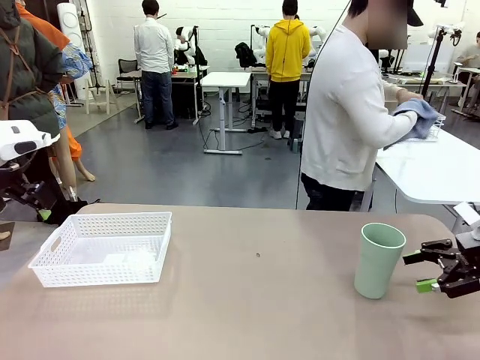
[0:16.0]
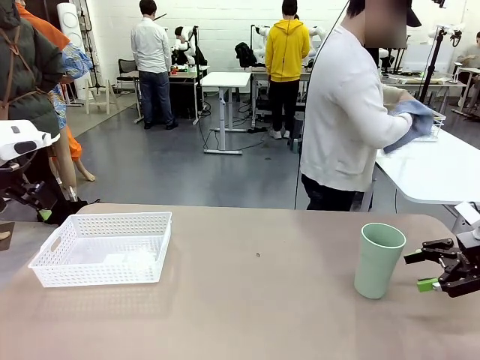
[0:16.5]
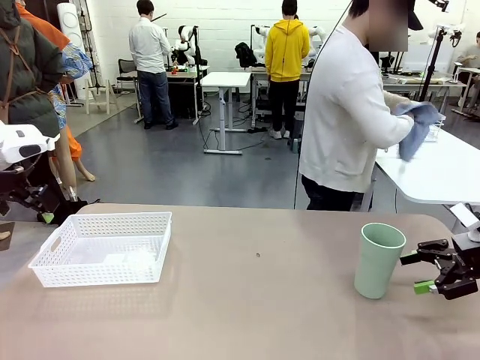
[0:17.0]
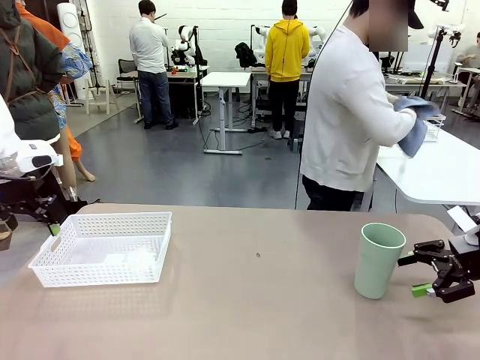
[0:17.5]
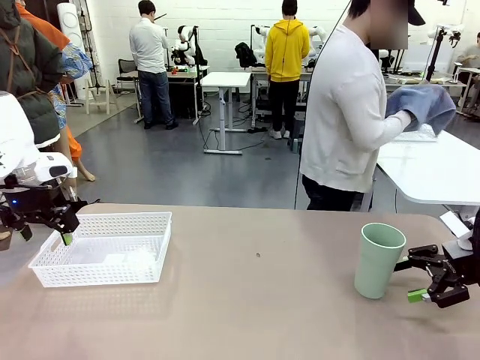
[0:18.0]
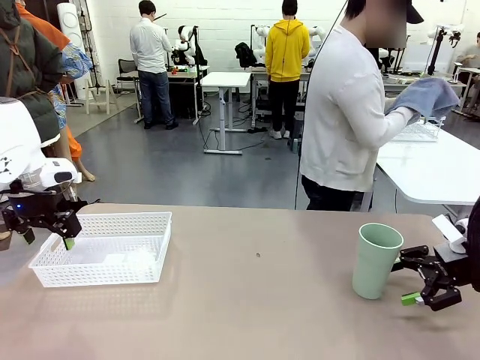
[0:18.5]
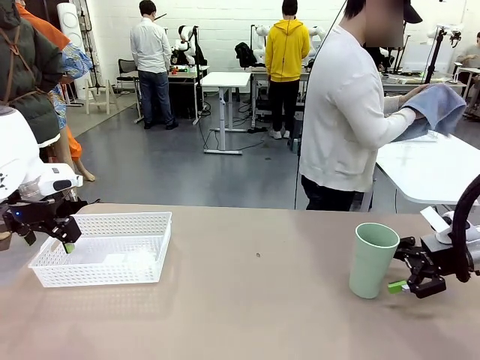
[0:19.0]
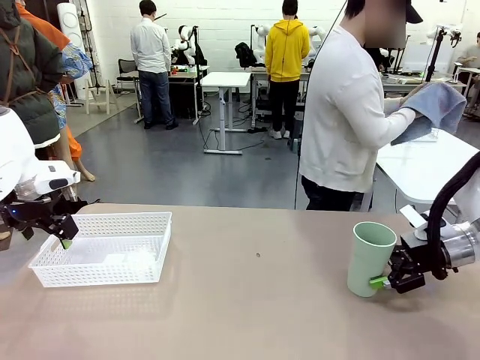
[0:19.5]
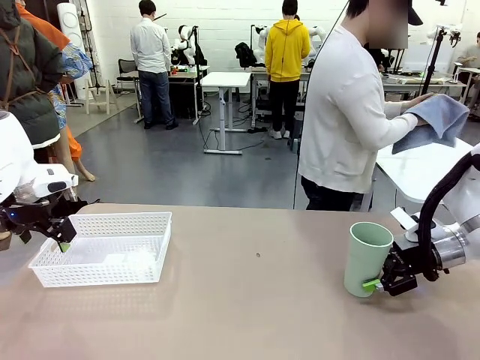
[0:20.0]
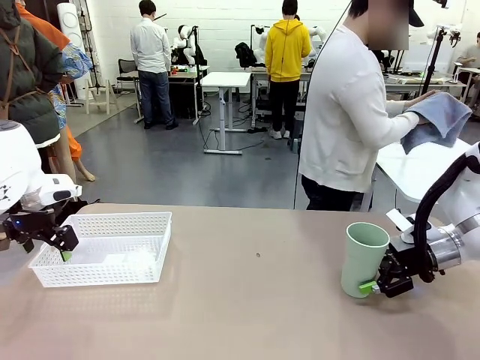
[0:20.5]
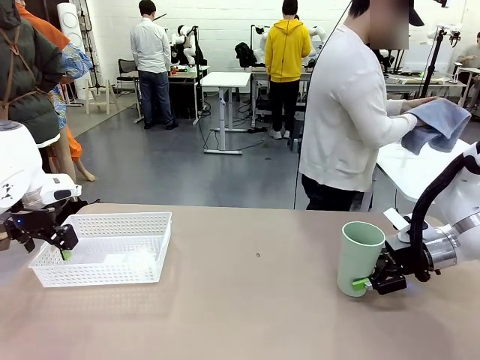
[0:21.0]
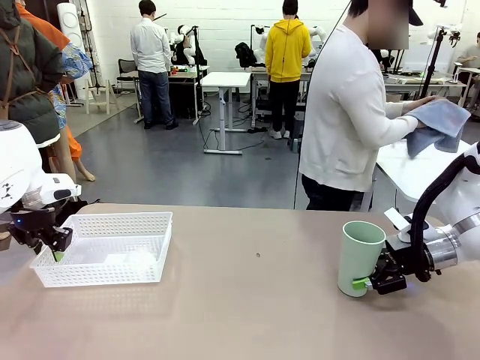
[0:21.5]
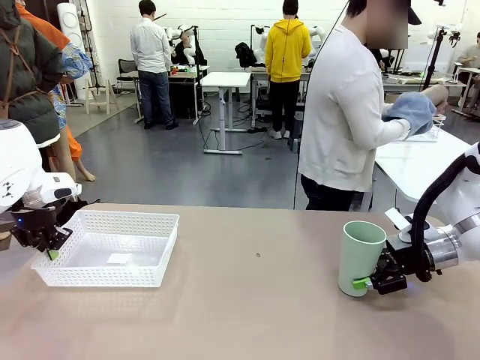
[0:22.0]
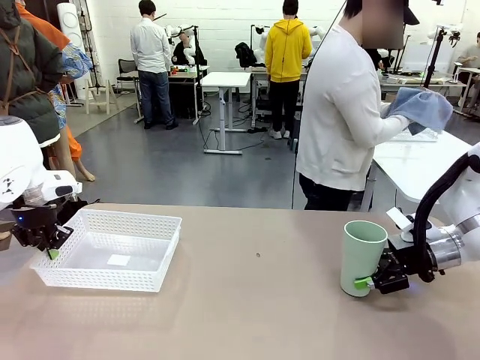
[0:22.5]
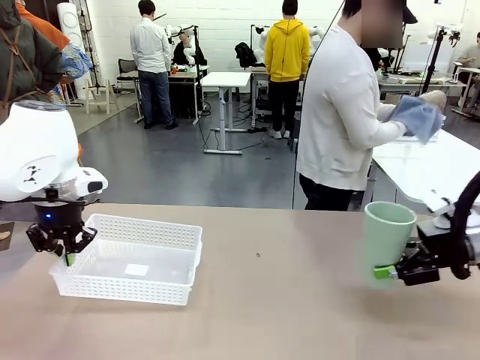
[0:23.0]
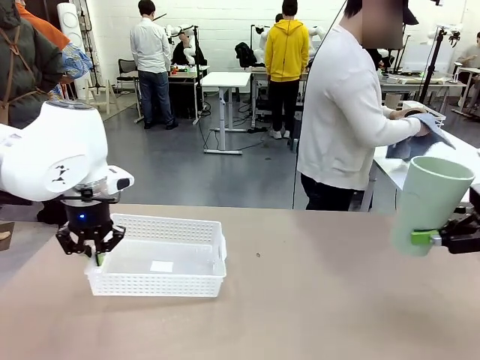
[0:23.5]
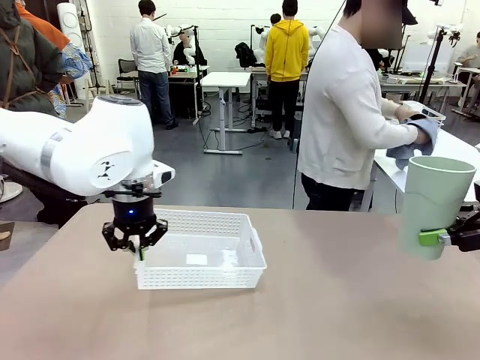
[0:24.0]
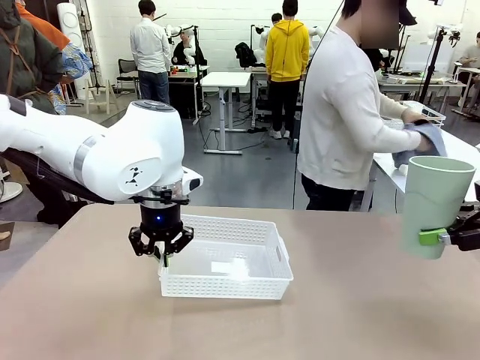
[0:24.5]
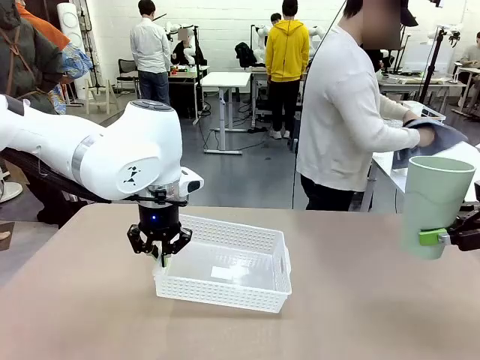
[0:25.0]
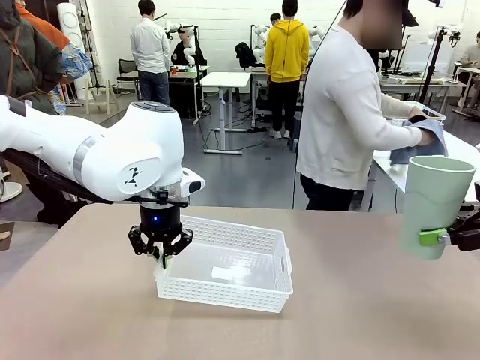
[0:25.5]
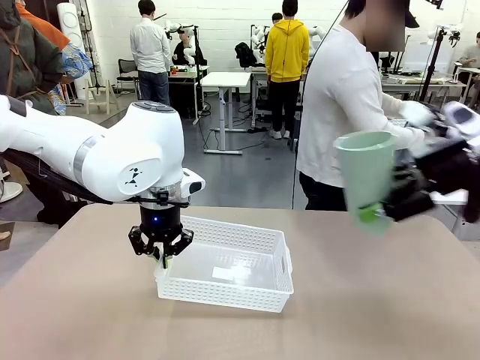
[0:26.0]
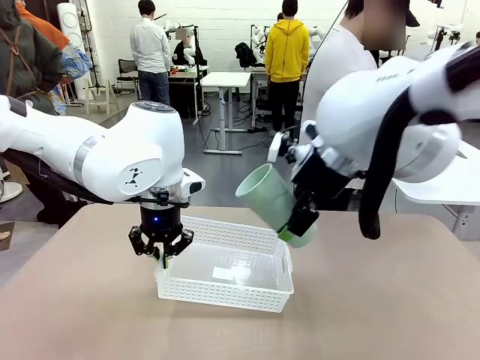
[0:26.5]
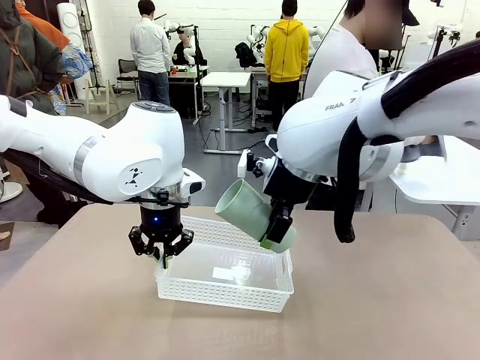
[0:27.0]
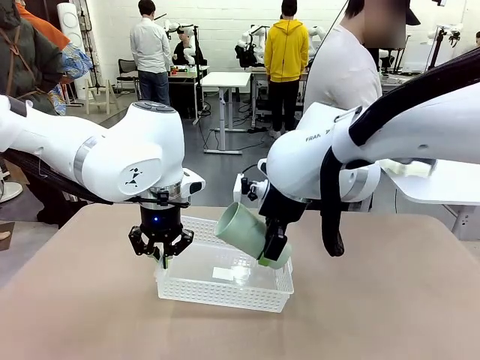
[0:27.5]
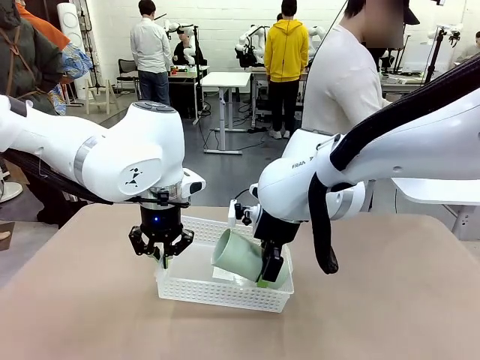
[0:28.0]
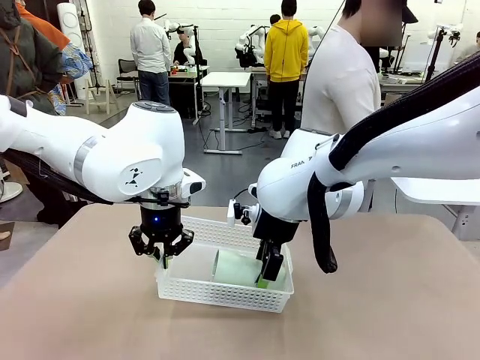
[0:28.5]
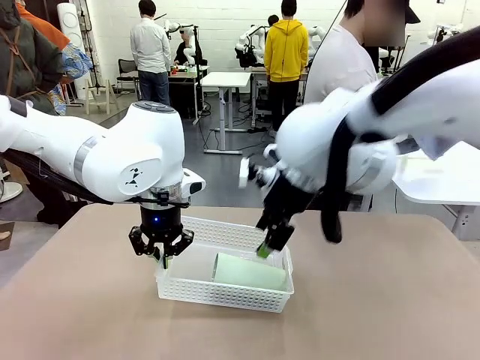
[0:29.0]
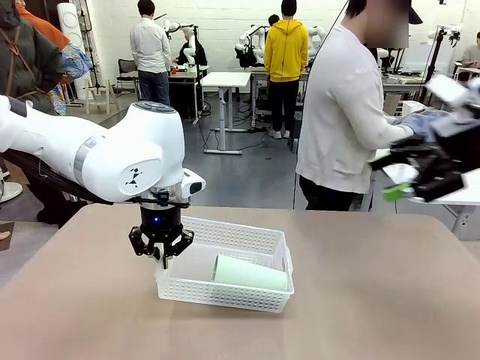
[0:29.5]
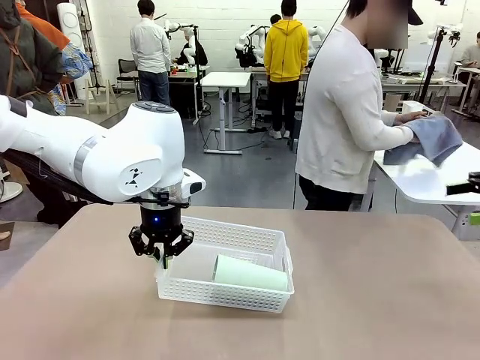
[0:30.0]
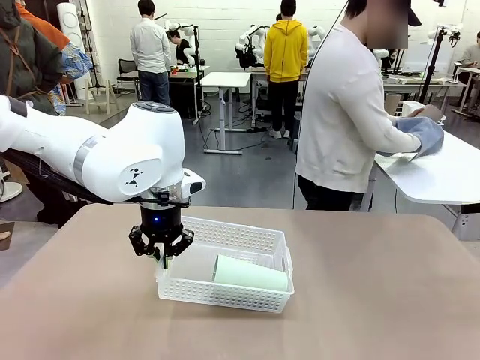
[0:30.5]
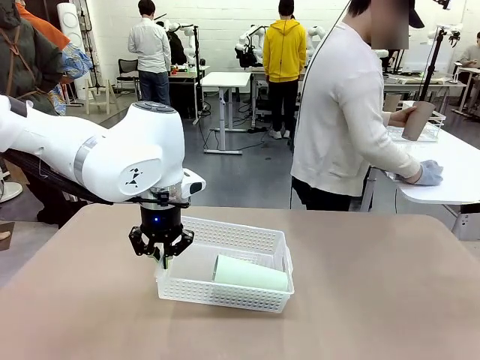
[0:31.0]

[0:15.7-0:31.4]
Task: Clean and organize the cups into the basket.
Robot: Pick up the Organizing basket and move it to the center of the table, then pick up the Reusable plastic cup from the right side of the table and place it inside the Organizing basket.

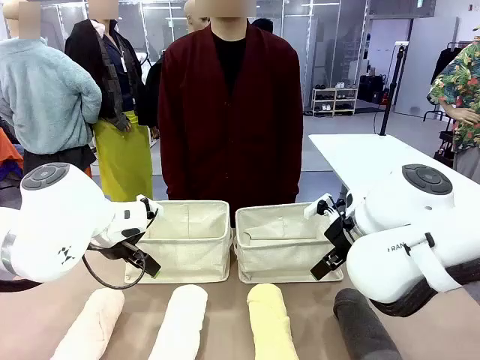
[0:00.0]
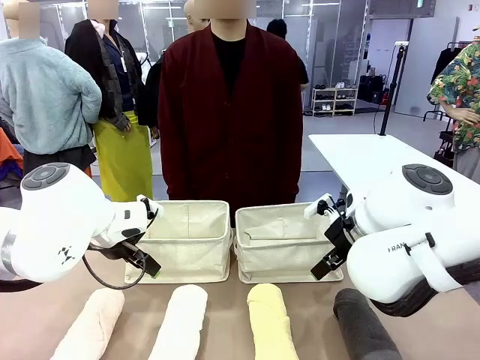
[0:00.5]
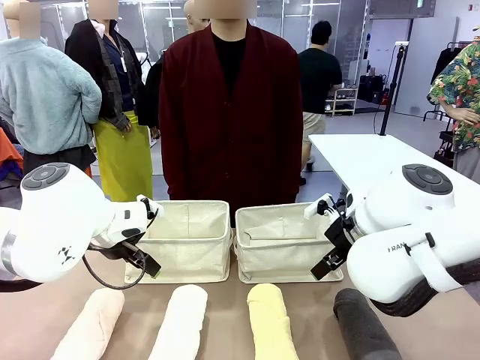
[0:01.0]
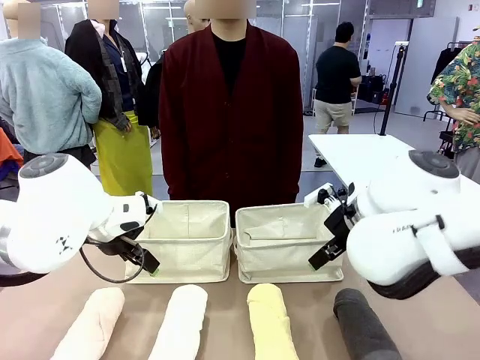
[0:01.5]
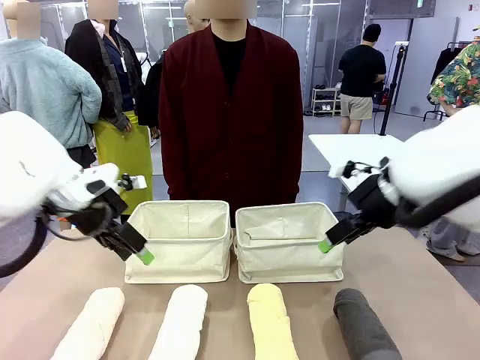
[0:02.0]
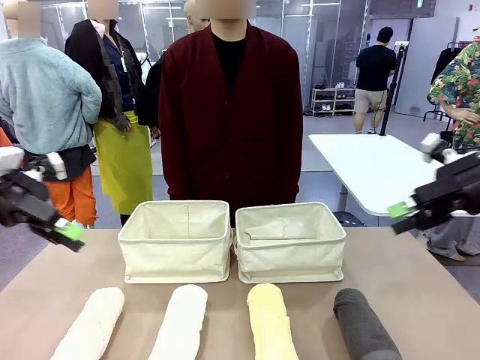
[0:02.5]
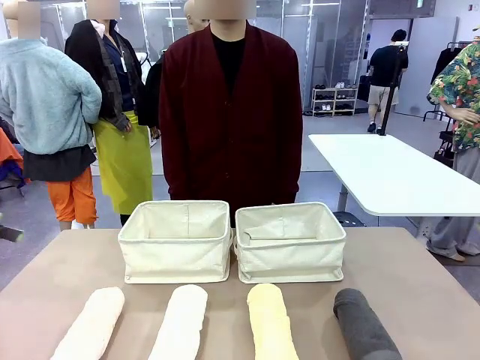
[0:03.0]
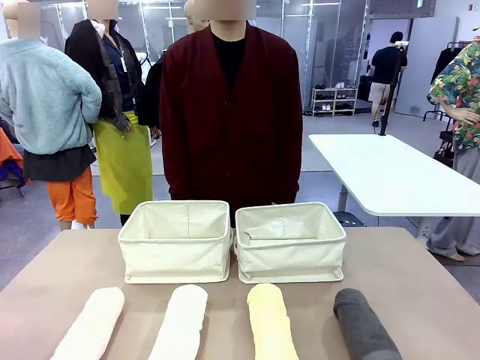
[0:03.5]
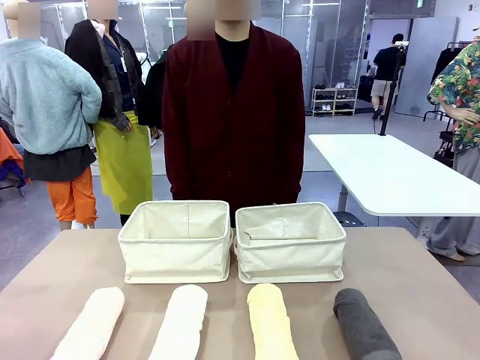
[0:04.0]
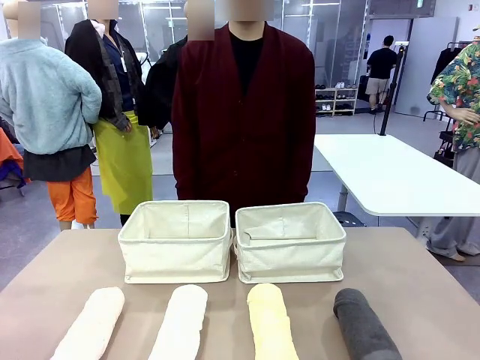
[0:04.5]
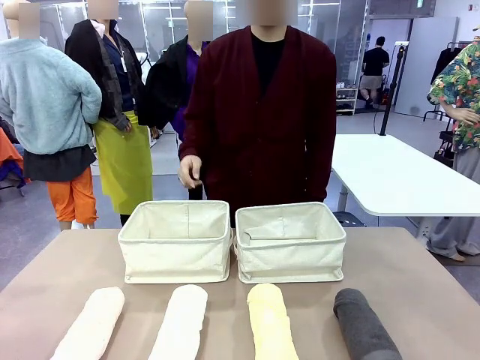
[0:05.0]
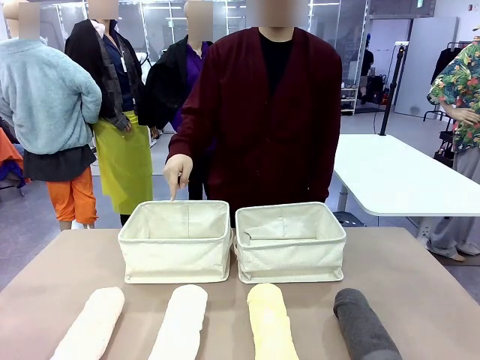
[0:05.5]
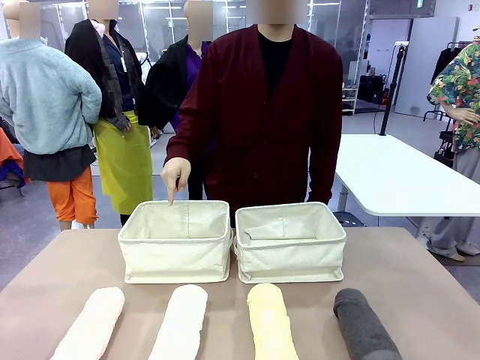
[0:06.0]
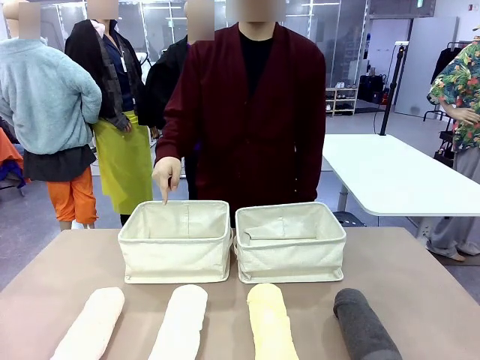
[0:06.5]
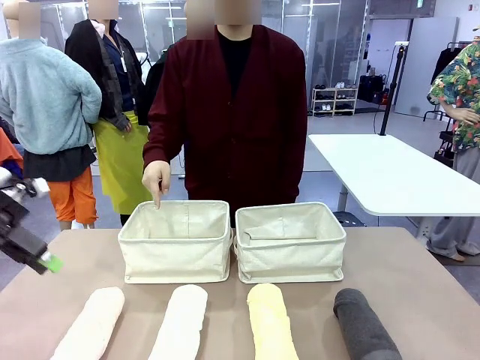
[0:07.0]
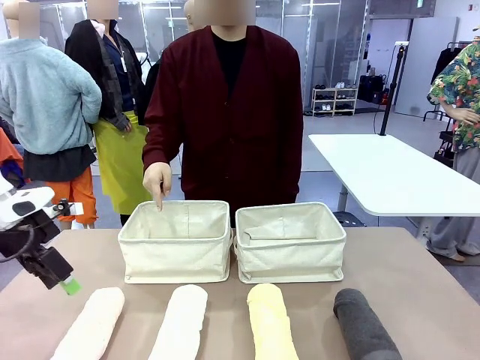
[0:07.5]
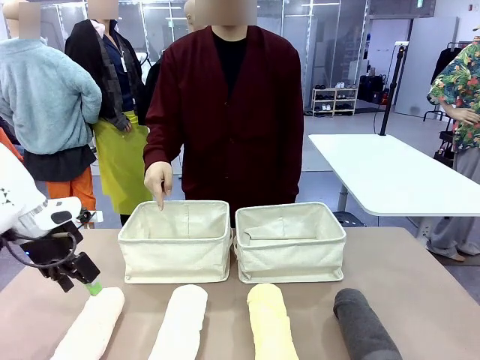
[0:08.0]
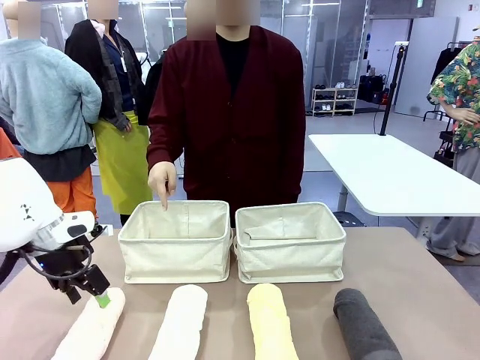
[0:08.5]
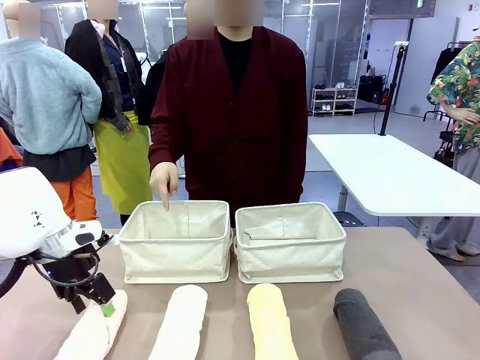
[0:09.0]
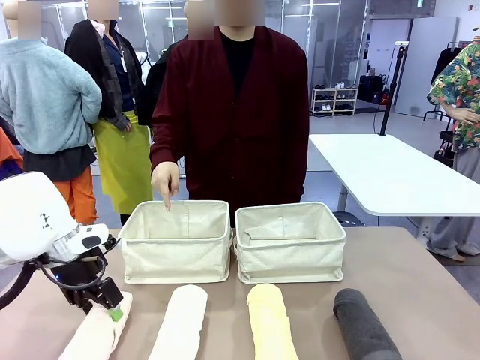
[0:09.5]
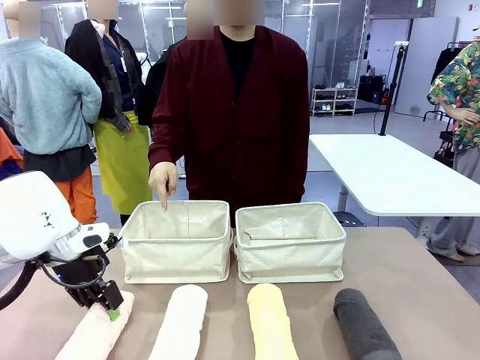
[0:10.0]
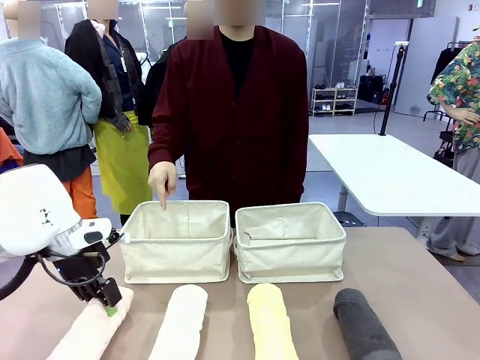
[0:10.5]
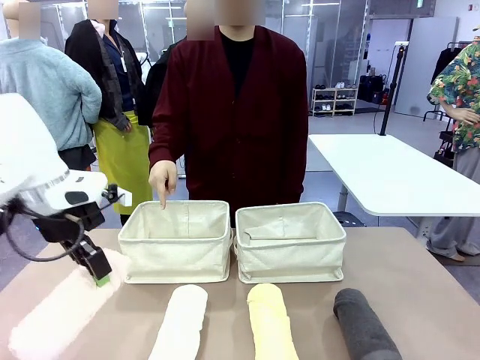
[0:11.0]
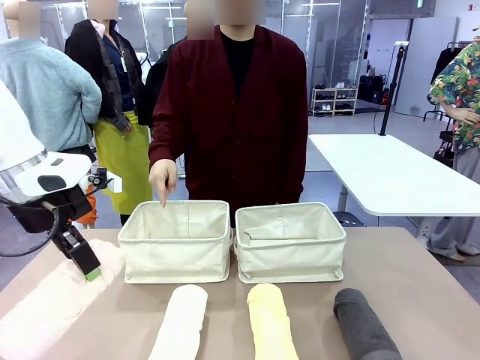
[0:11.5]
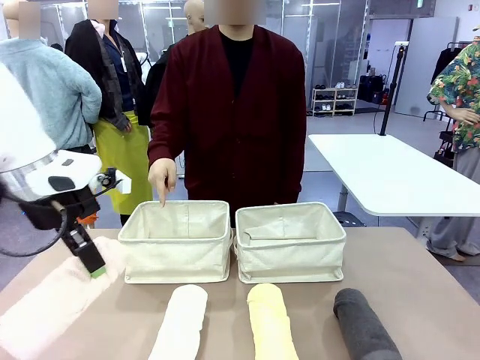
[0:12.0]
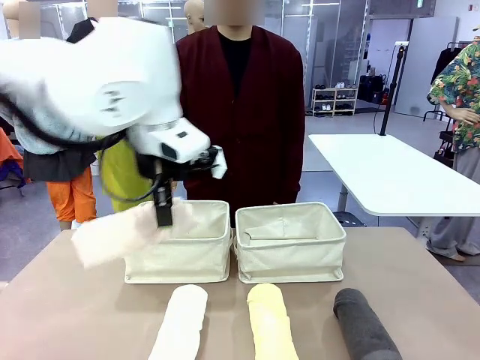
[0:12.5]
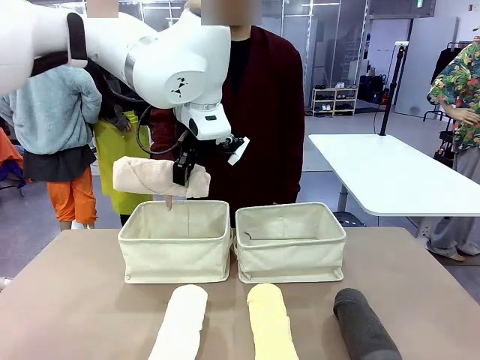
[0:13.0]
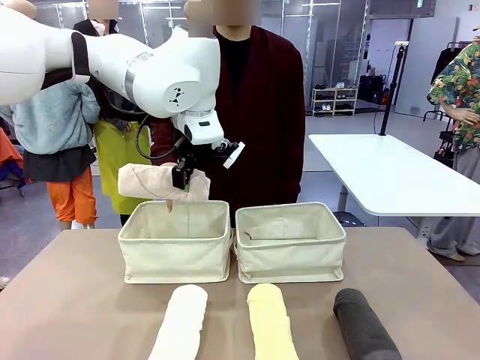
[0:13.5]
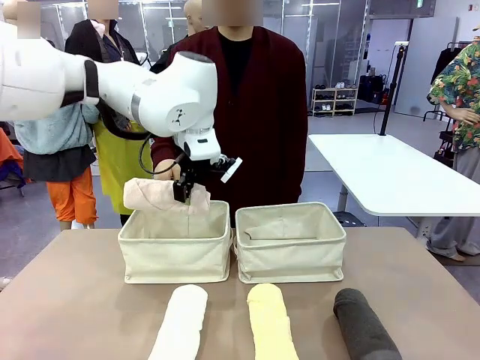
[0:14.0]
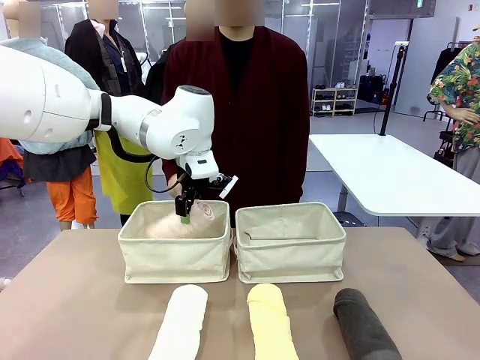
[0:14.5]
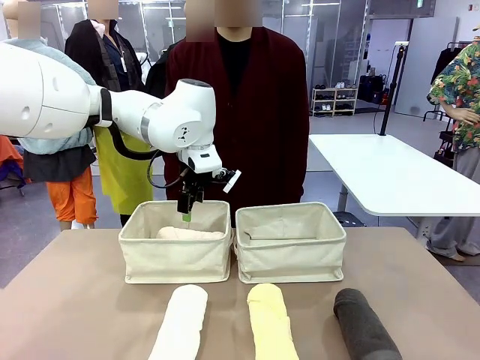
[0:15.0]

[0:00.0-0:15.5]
Task: Divide the towels into two baskets.
Robot: Pick up one hotel-folded towel and place it in the Fabric basket indicated by the person.
